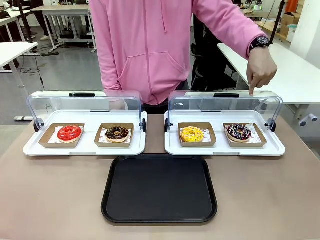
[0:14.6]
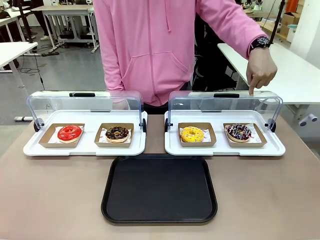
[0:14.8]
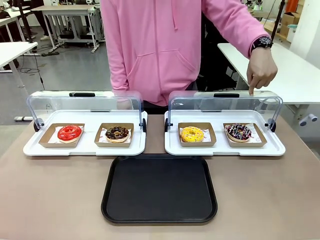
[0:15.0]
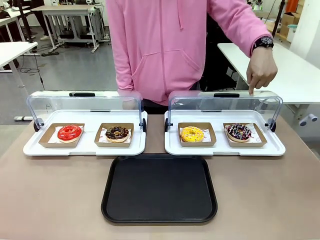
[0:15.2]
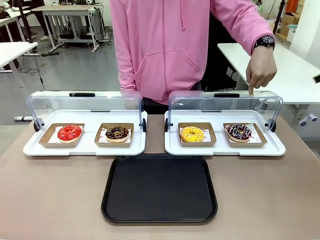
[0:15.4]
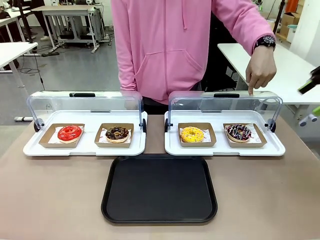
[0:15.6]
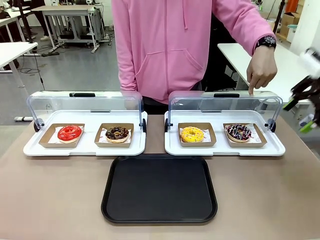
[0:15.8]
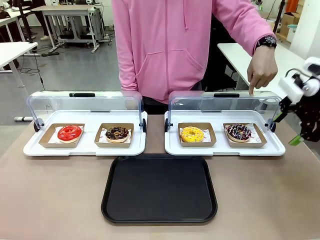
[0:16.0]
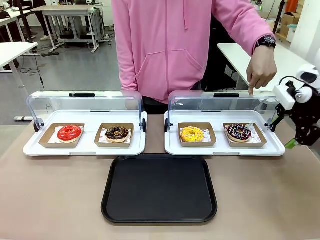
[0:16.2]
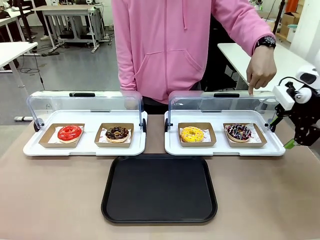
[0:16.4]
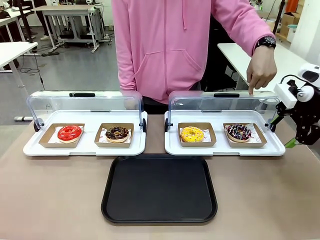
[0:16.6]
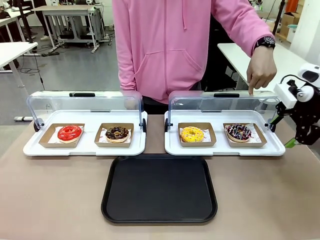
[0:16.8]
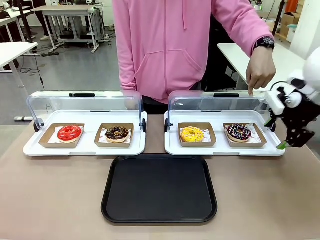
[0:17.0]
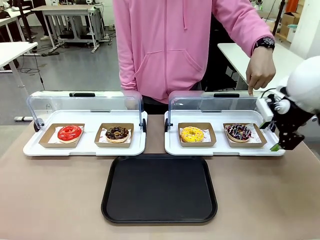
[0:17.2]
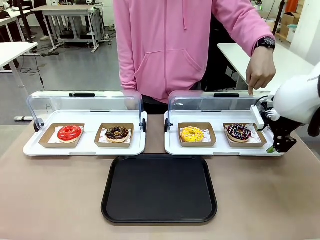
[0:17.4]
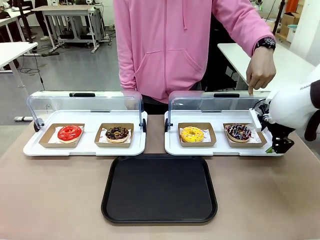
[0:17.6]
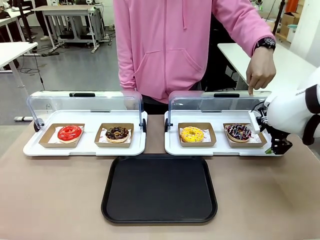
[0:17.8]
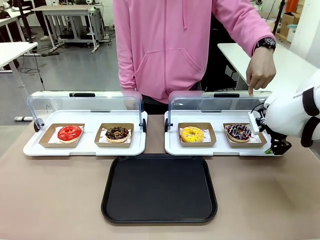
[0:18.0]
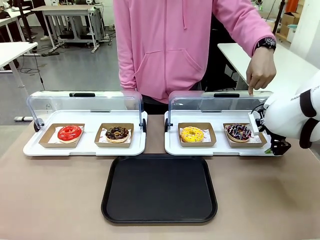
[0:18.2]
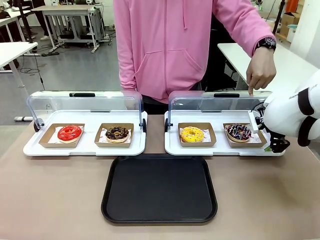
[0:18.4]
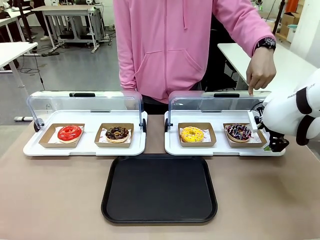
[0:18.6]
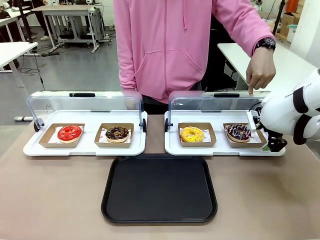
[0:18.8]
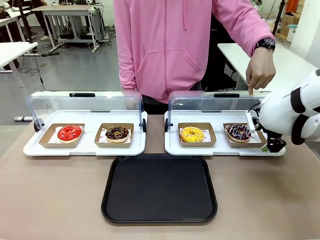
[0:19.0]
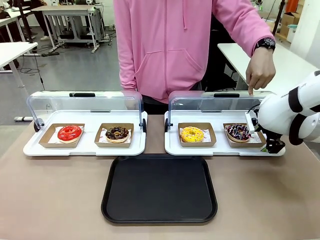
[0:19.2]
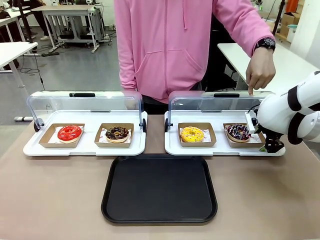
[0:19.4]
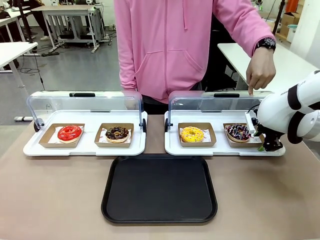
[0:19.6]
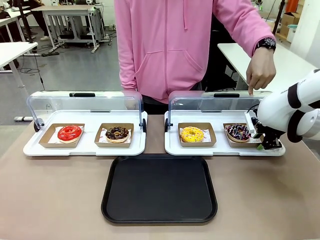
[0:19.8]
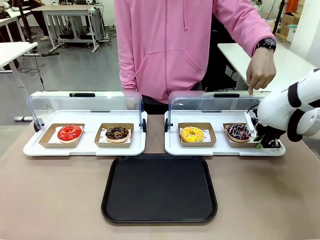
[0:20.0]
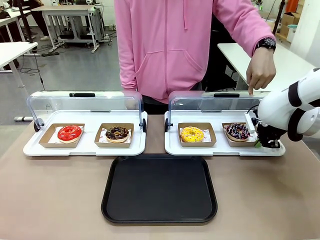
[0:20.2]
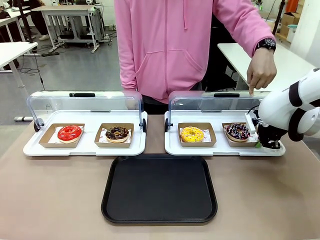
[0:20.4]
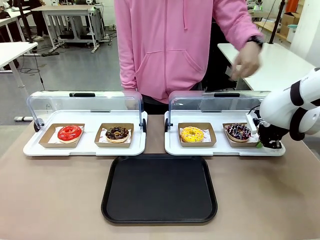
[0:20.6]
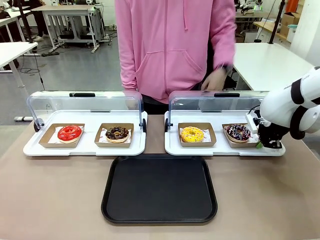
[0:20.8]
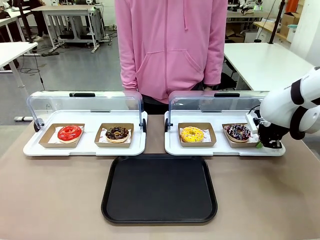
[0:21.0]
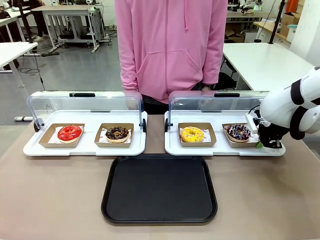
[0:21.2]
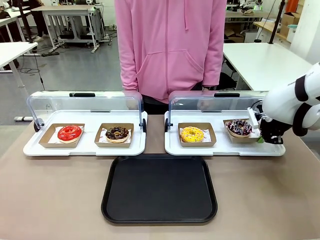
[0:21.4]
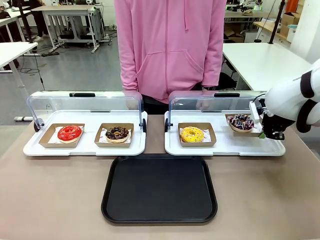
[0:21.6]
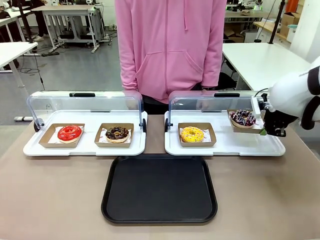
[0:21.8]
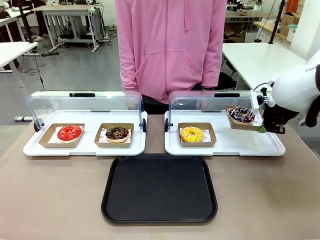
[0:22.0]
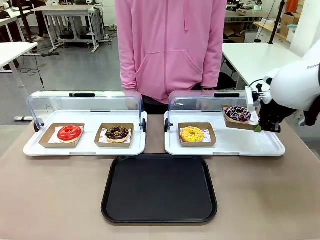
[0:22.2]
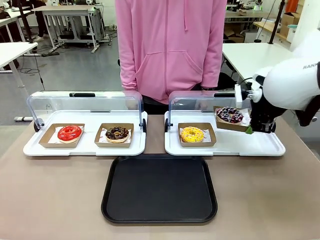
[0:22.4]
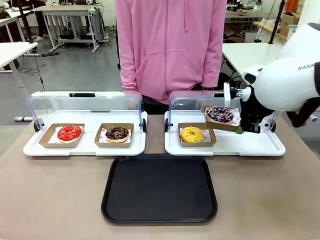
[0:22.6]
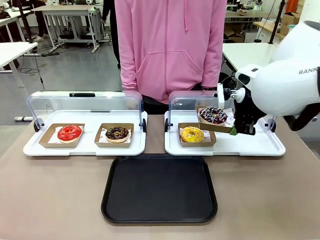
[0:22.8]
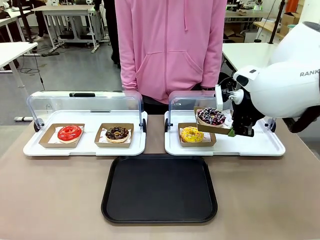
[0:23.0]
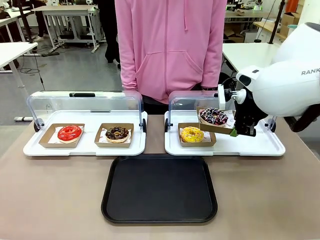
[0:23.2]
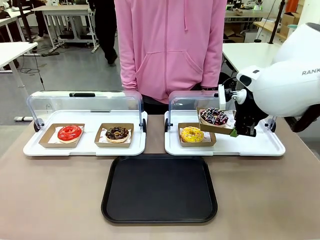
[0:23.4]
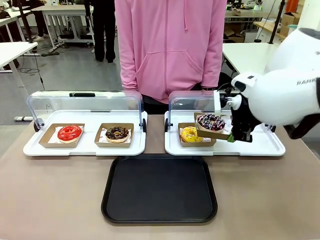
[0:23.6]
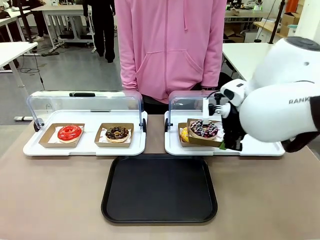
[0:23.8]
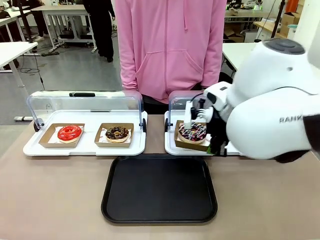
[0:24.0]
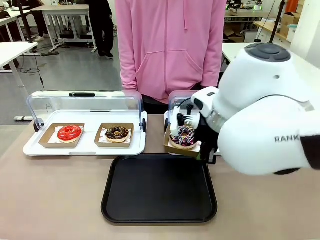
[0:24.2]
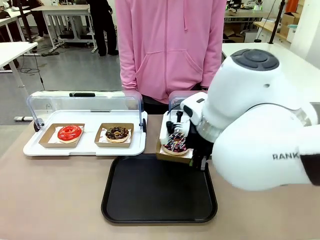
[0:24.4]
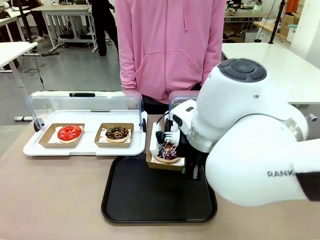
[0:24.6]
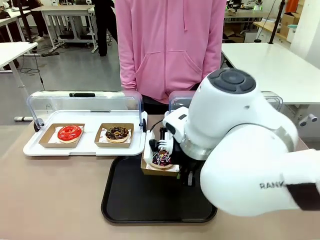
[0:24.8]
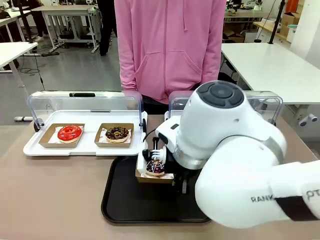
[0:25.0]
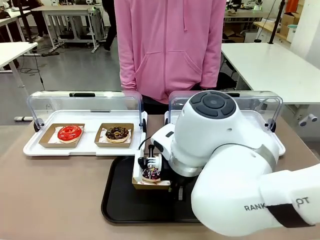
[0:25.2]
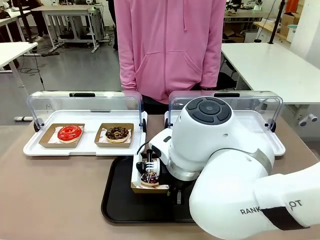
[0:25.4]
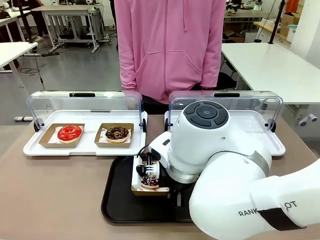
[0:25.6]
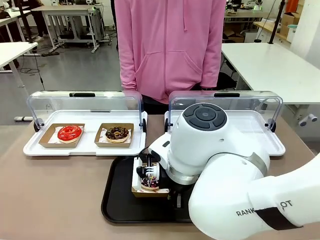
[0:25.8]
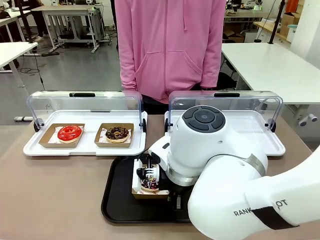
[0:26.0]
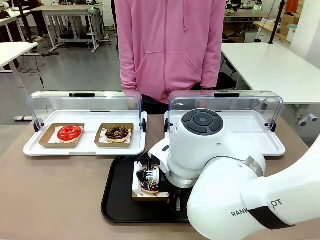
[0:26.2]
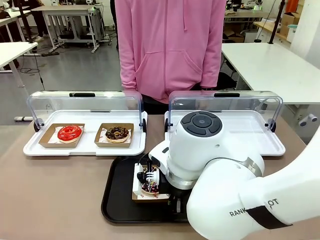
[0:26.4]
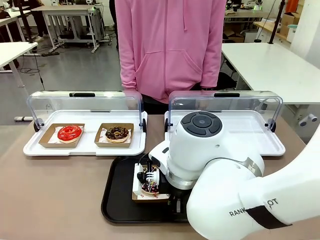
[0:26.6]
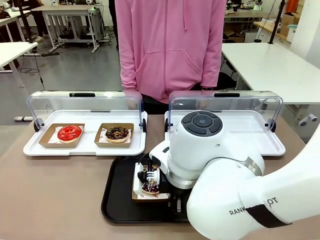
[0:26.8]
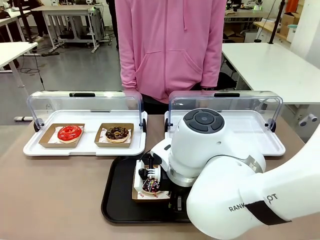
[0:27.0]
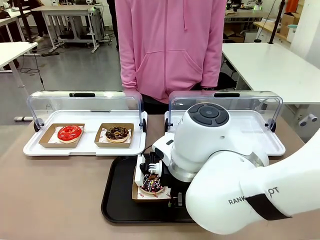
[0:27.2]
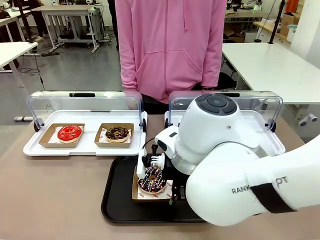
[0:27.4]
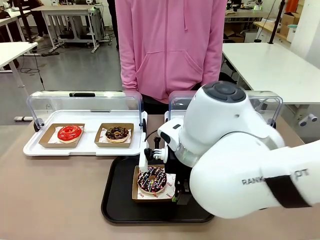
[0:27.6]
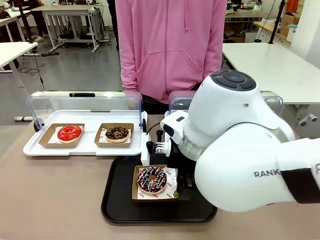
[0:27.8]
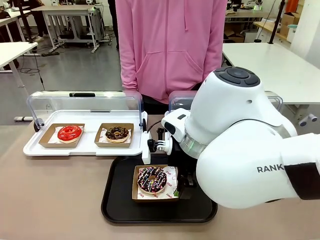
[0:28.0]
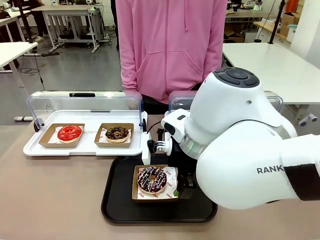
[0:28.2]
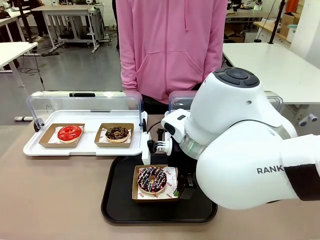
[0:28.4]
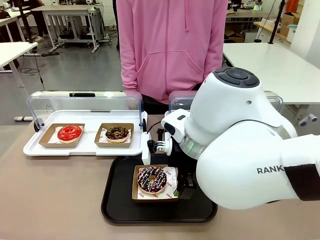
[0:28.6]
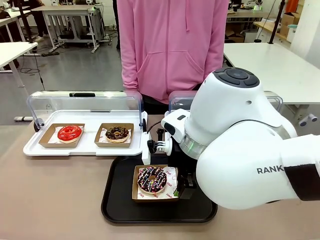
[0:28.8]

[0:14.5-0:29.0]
Task: Move the fourth donut from the left to the tray.
Robot: Pick up the Paper togo box containing the Donut indicated by the person and place it on the Handle tray.
